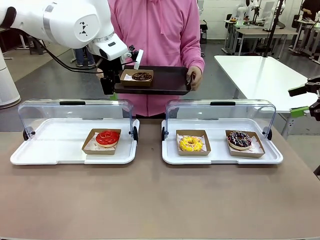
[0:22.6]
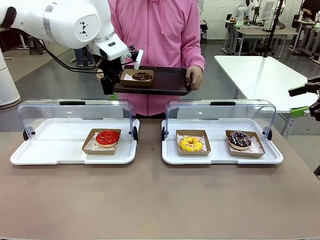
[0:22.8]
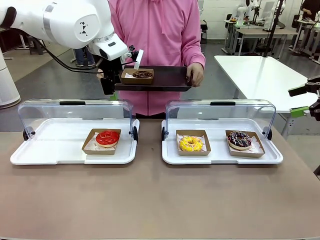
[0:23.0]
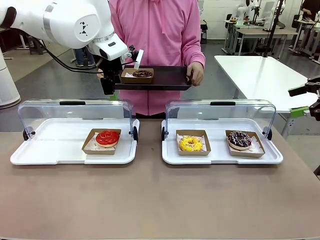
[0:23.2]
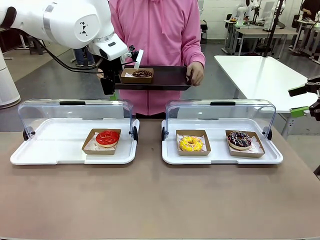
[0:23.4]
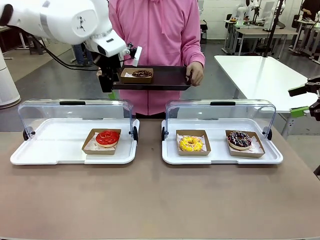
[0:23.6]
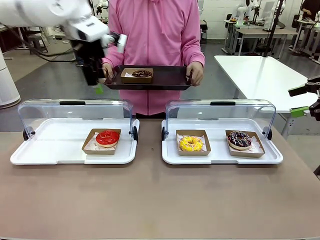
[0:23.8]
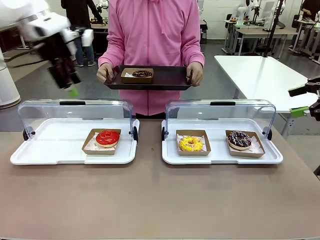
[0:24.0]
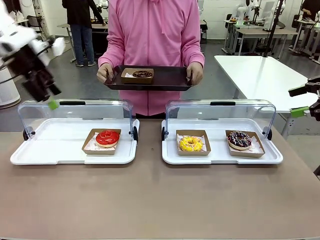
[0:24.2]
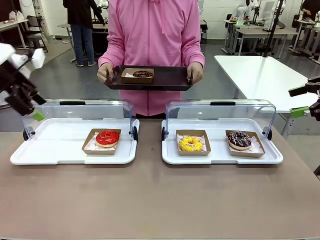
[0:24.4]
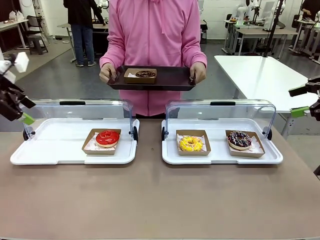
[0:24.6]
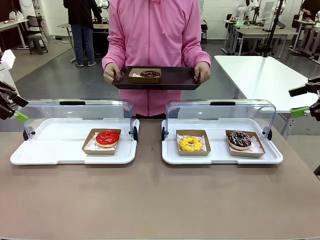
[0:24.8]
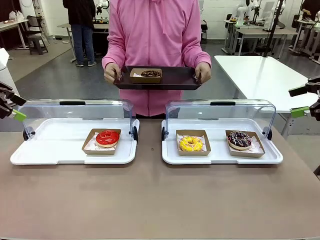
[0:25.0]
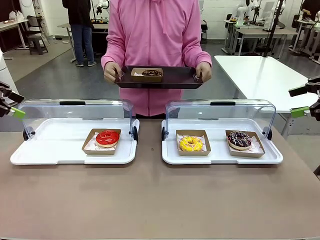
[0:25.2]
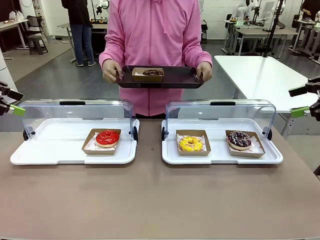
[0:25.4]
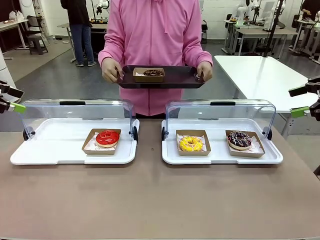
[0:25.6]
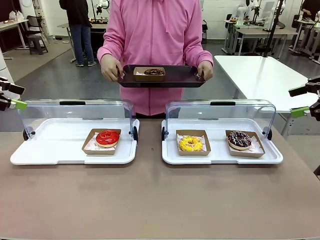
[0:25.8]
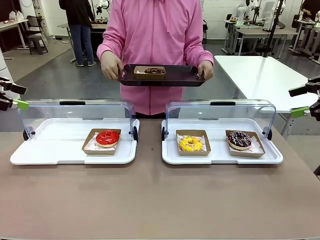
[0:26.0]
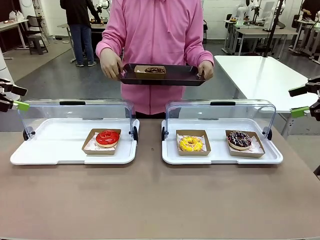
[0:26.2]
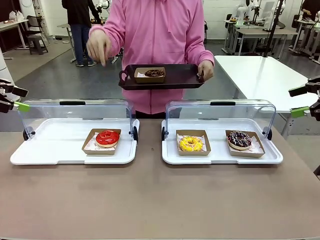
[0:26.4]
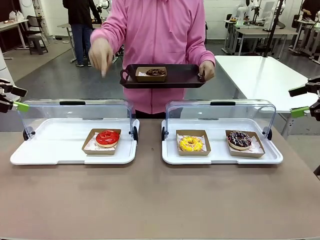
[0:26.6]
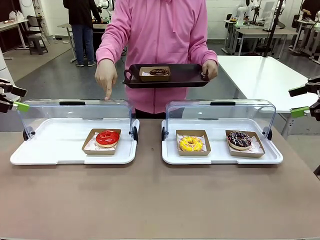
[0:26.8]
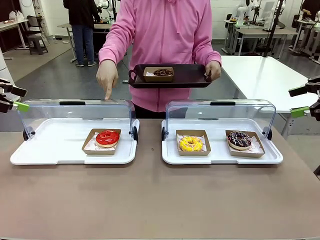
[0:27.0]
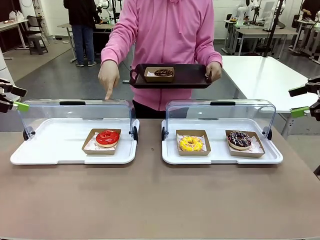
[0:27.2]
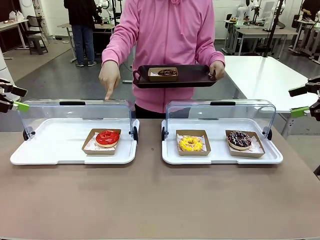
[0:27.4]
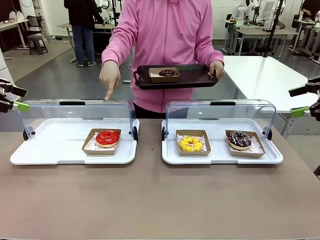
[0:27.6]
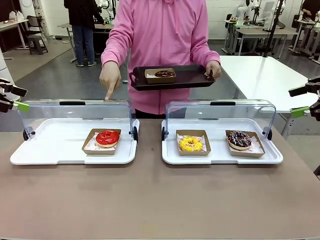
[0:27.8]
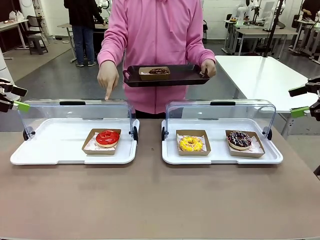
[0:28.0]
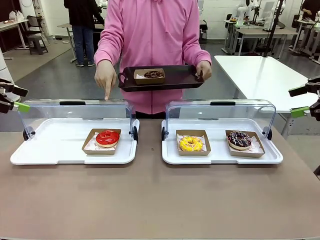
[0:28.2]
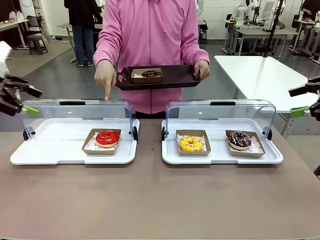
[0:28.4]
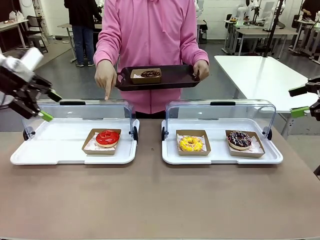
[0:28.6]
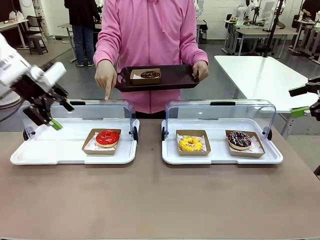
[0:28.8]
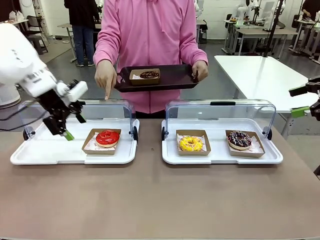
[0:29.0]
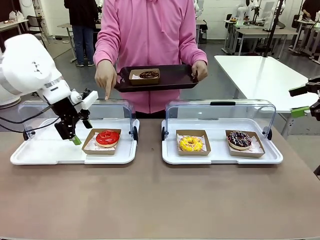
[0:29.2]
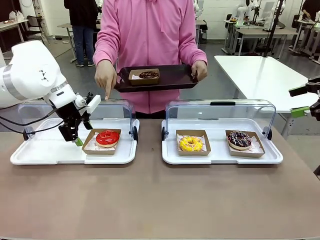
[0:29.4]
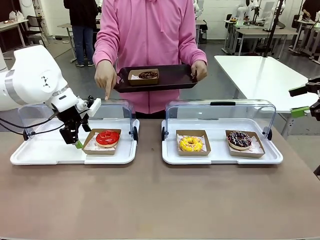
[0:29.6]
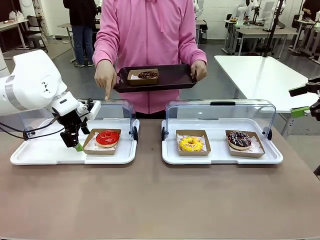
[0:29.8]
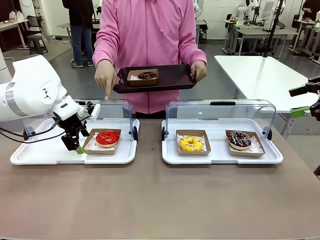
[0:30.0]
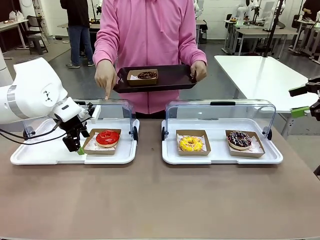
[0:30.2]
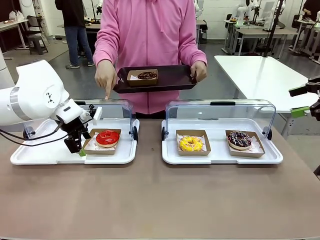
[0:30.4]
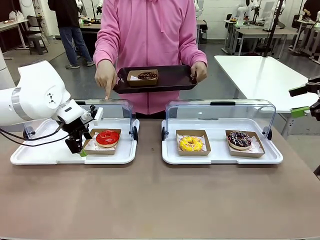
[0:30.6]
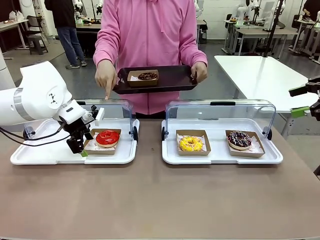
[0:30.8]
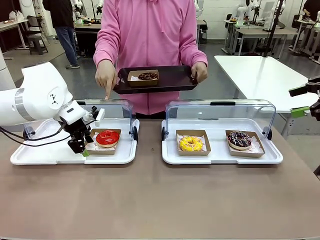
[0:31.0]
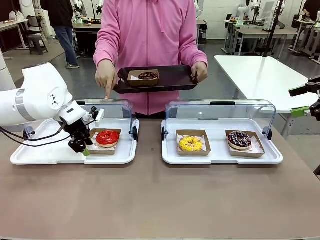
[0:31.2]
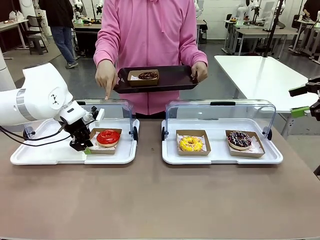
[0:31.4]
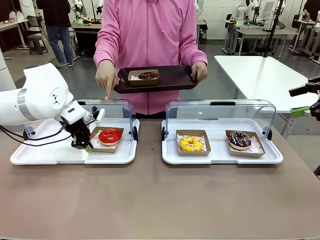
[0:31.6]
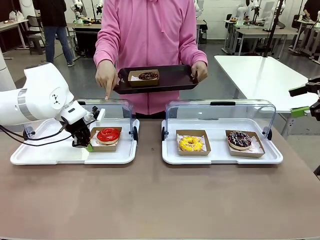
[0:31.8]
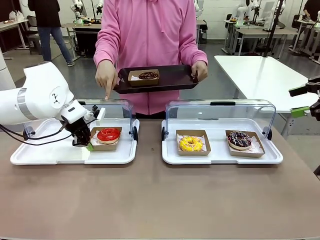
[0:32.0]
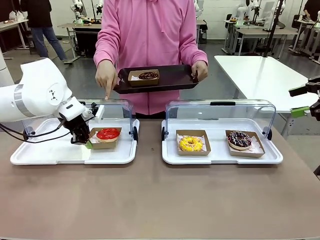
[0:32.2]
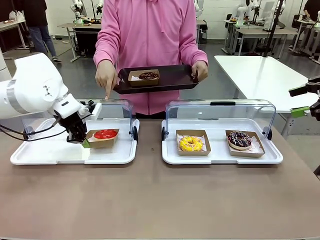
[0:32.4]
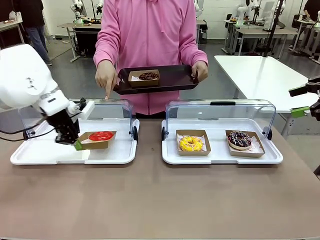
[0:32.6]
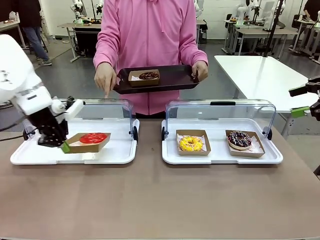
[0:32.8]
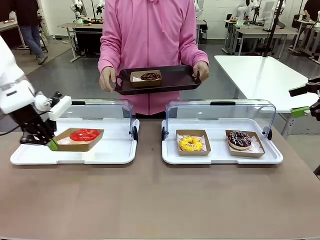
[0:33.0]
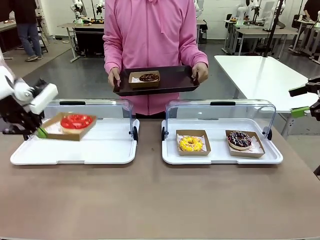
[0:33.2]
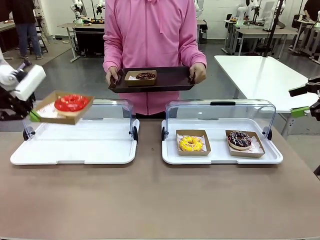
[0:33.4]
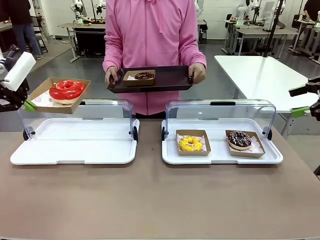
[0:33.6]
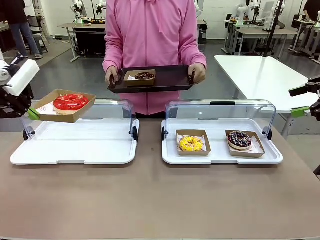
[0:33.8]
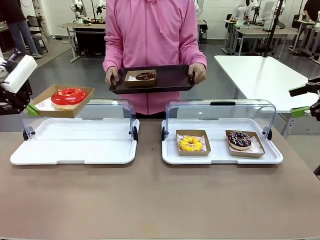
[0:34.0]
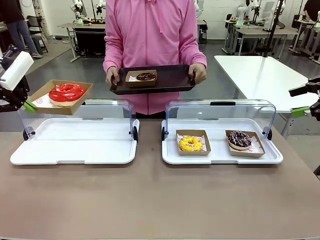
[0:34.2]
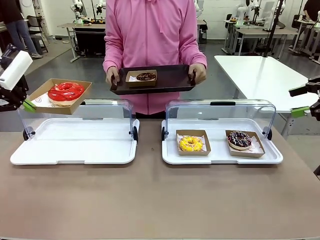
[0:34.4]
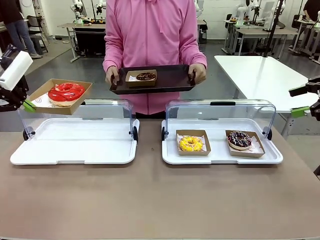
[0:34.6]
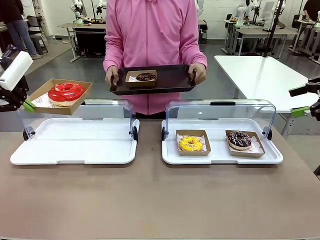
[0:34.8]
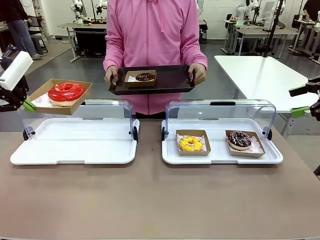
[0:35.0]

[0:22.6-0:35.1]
Task: Provide the desired donut to the person.
Robot: Pick up and lift the Paper togo box containing the Donut pointed at by the person.
Person: Lift the tray onto the Roll-Top Bakery Case.

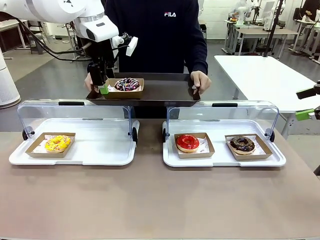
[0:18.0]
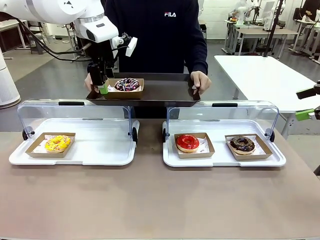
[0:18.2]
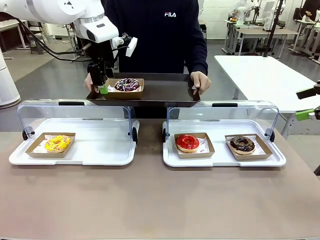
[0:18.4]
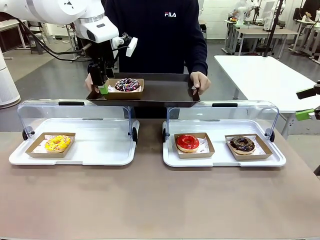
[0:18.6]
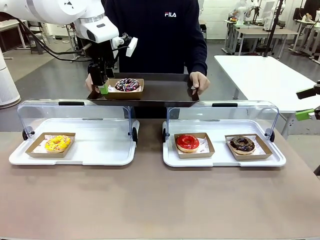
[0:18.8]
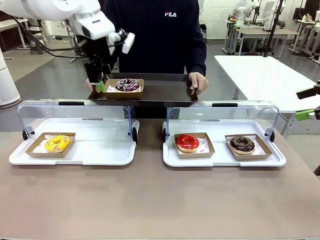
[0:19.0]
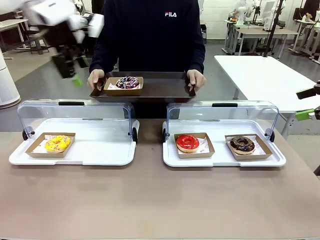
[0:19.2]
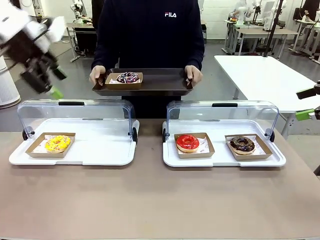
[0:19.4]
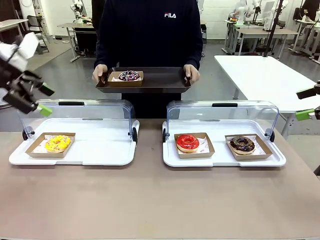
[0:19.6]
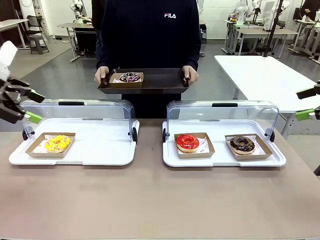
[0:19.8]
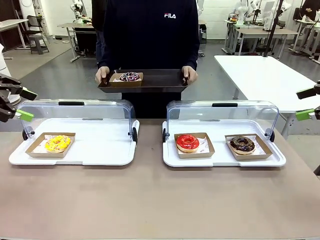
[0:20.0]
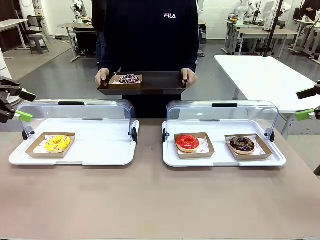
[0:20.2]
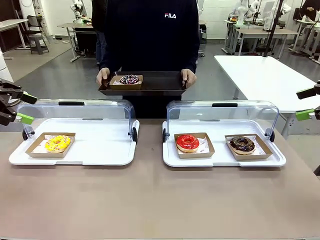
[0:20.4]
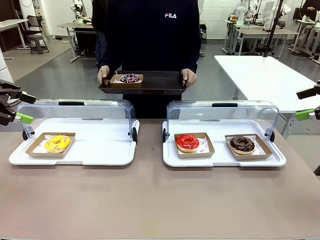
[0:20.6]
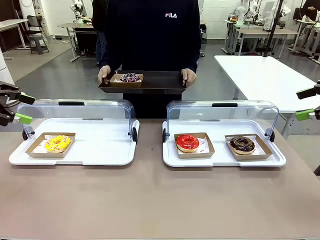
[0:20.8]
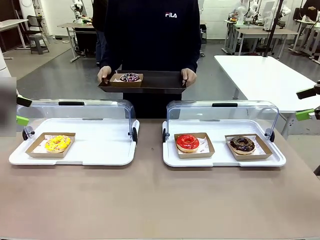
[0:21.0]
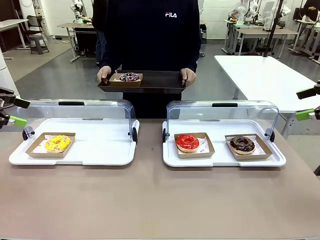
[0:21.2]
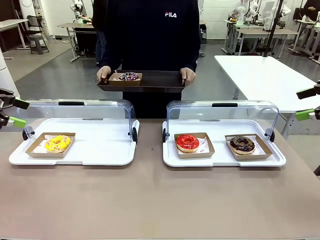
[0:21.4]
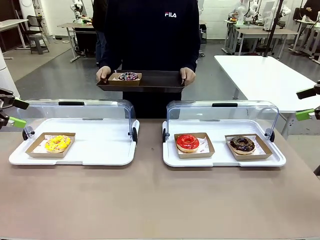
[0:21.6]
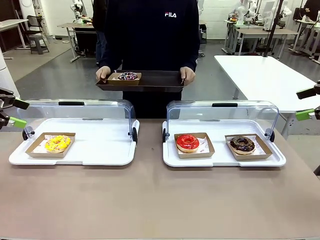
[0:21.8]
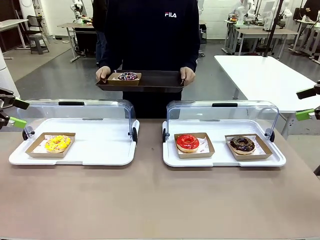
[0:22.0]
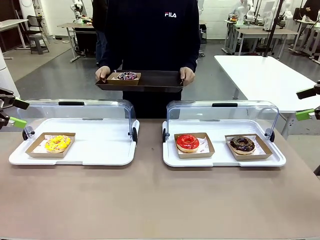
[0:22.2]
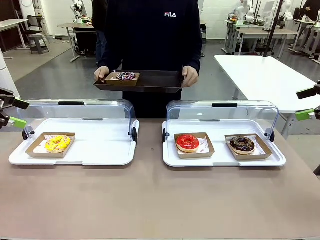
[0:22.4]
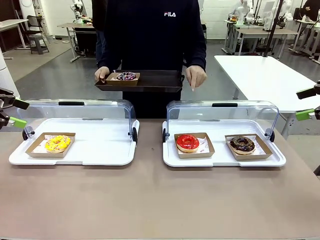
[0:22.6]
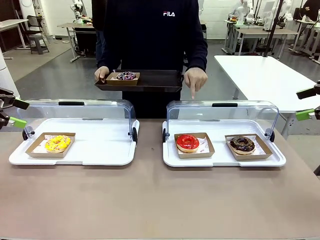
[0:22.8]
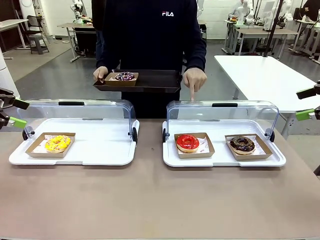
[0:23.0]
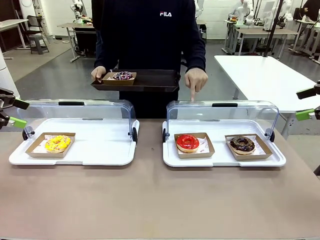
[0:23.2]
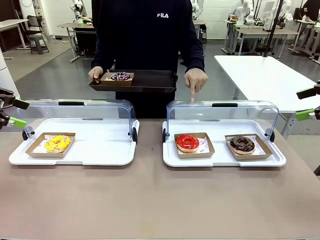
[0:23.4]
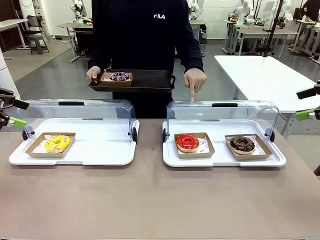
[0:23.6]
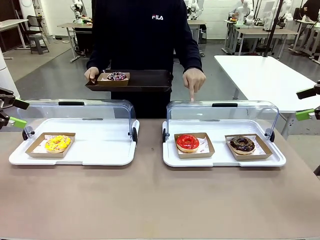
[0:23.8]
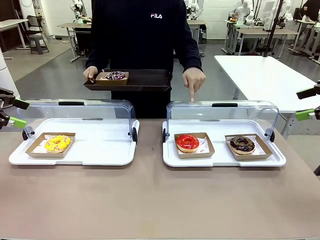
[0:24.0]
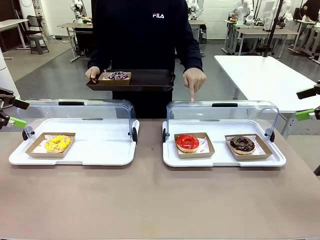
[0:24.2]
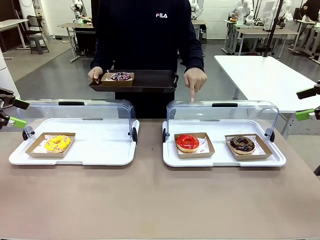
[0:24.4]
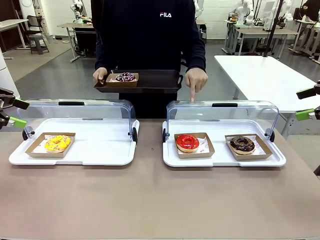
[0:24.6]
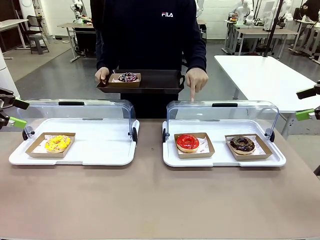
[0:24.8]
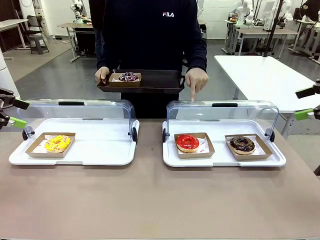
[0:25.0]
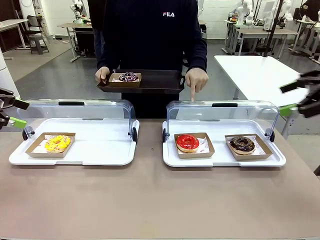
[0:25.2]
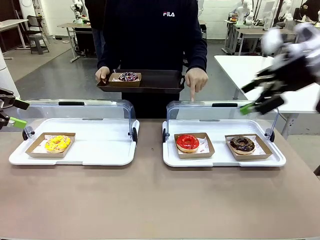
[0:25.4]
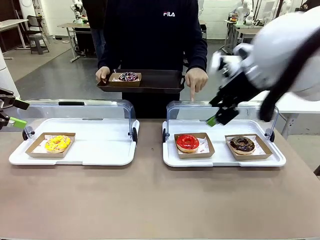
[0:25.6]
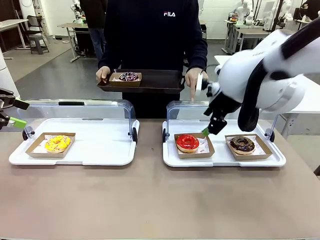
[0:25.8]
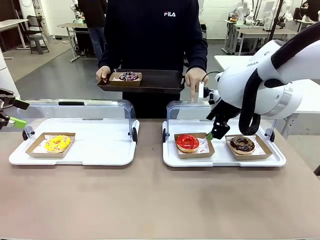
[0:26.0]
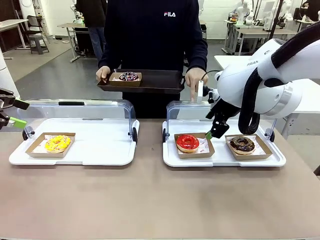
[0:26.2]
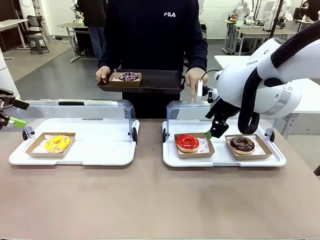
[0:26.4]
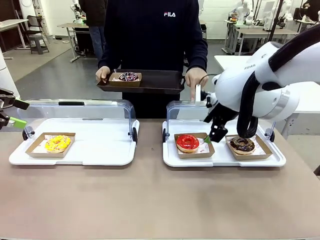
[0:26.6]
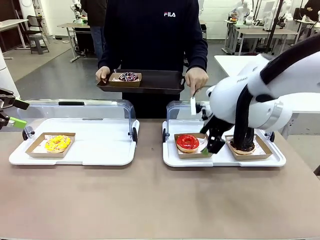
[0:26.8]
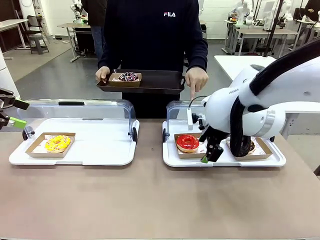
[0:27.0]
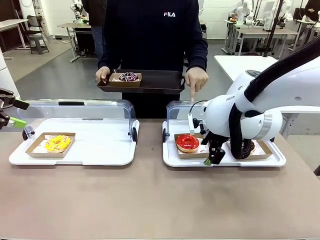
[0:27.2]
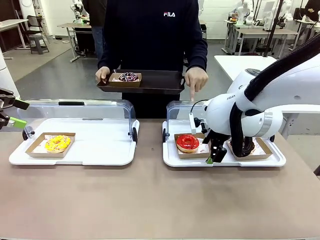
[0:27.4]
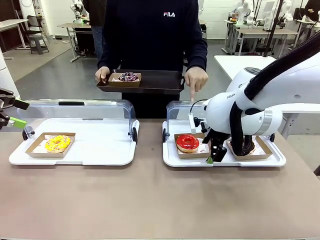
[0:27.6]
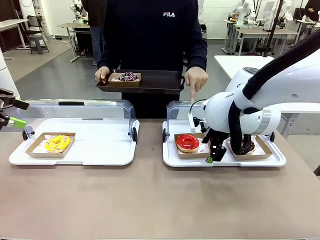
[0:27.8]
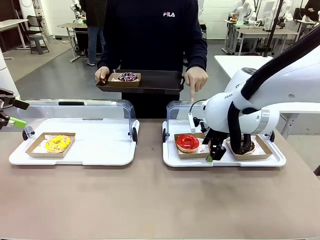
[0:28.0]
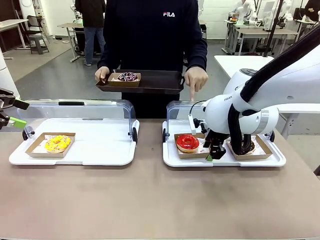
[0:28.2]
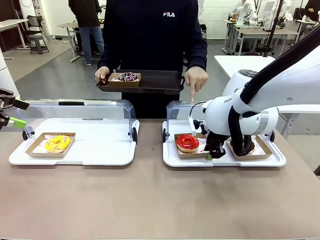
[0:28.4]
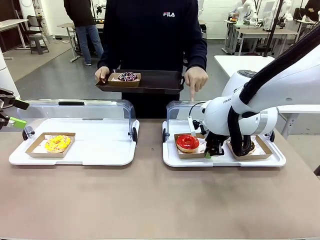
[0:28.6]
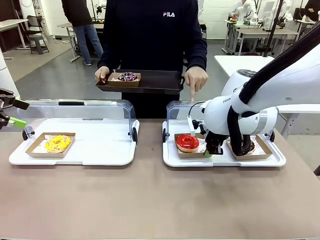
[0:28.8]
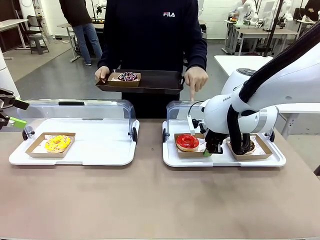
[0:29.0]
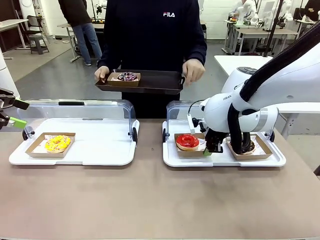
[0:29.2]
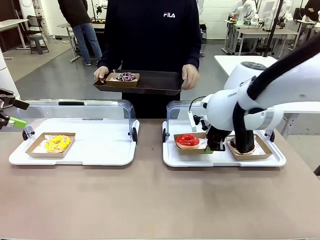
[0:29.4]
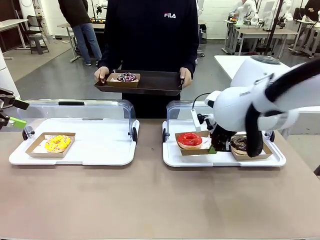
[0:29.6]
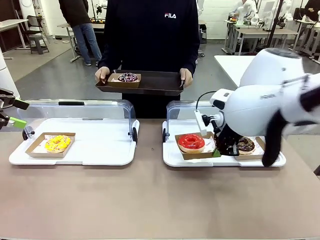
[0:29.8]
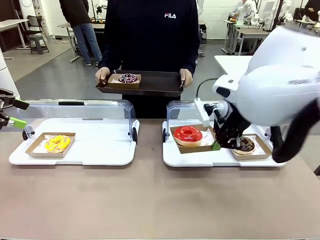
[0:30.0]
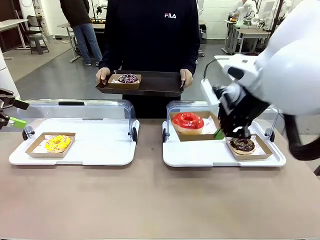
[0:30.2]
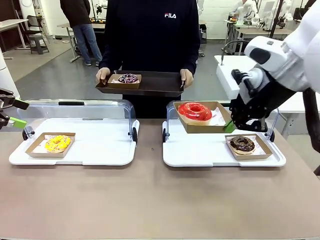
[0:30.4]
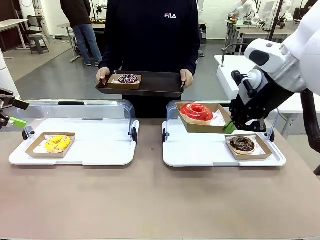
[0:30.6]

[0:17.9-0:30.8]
Task: Provide the desired donut to the person.
Robot: Pick up and lift the Paper togo box containing the Donut pointed at by the person.
Person: Point to one donut. Lift the tray onto the Roll-Top Bakery Case.
